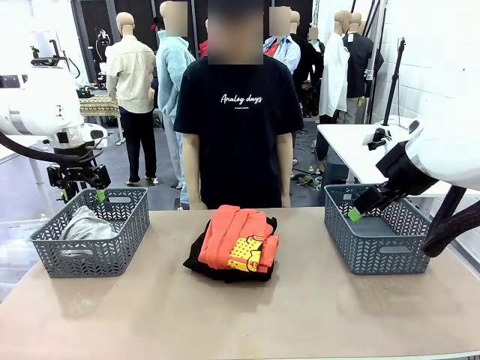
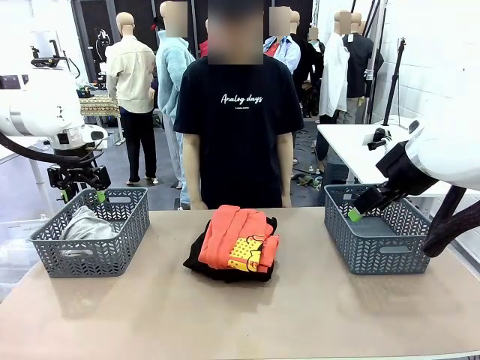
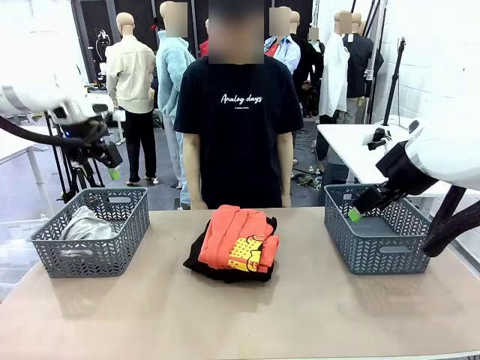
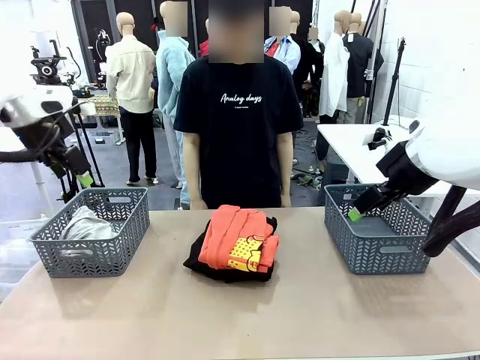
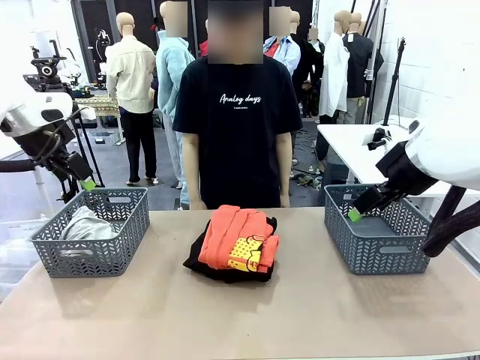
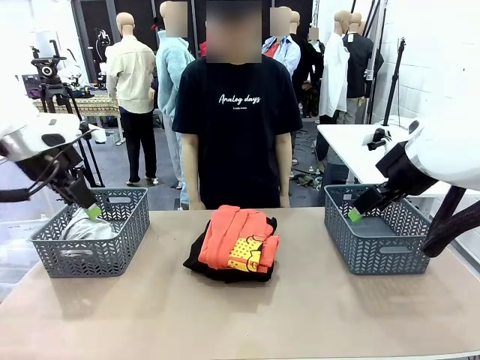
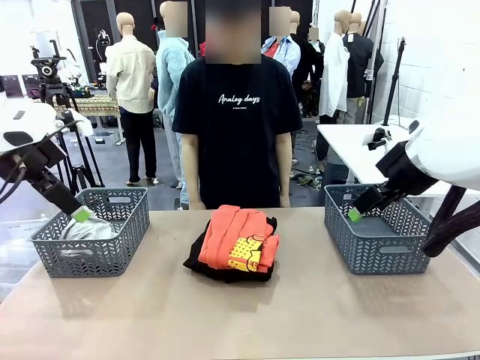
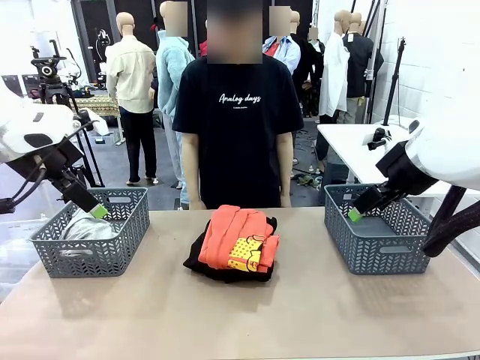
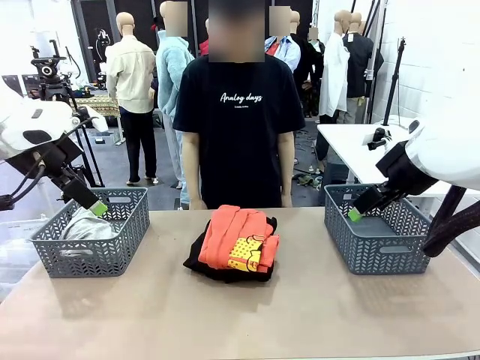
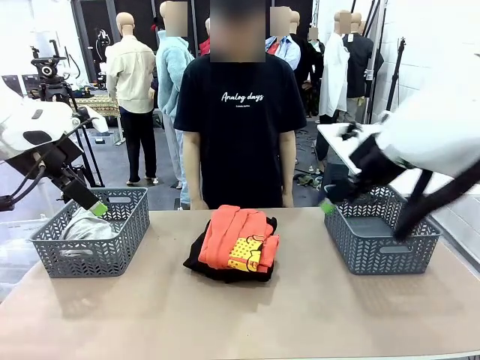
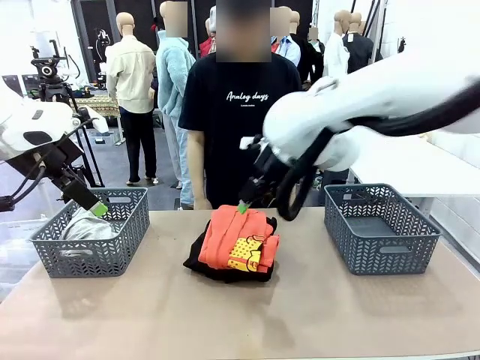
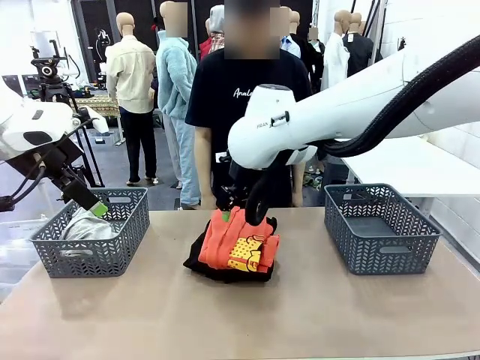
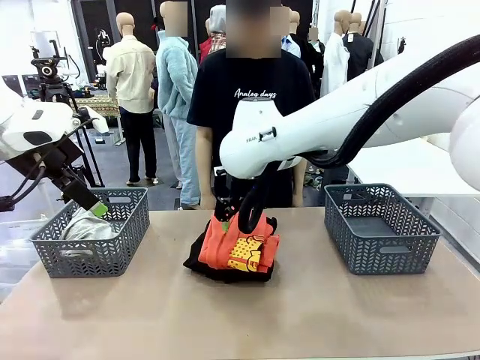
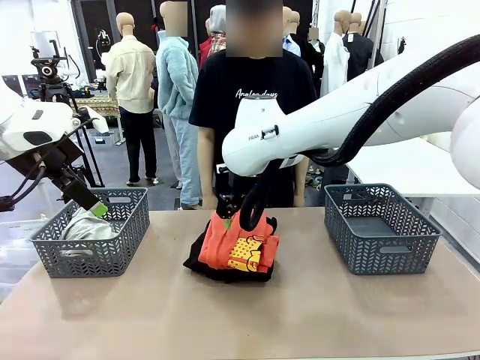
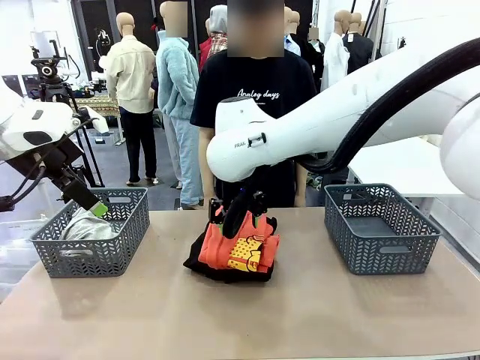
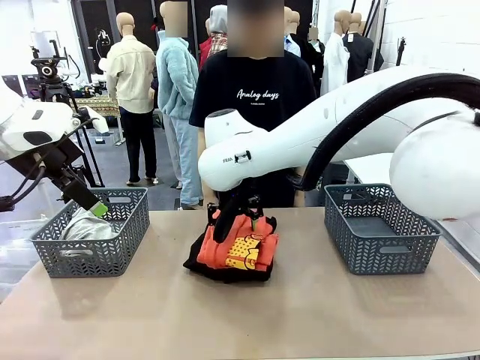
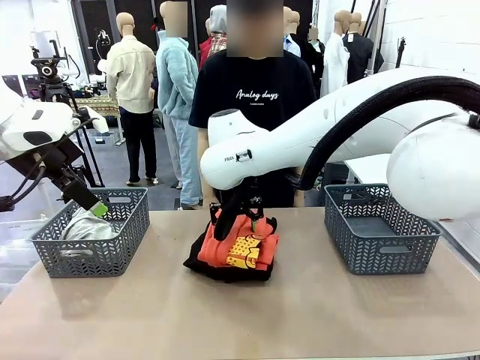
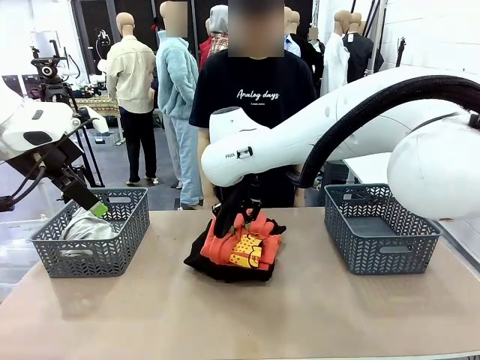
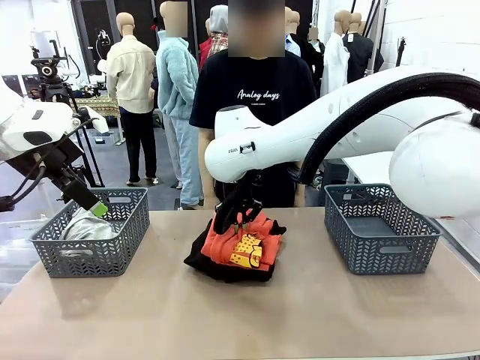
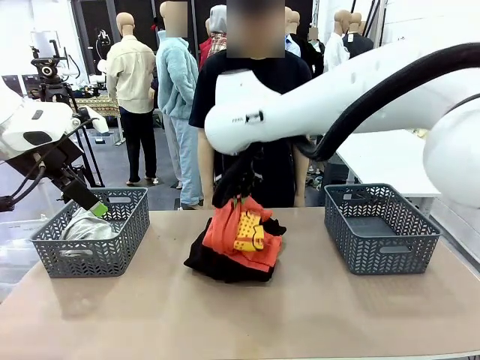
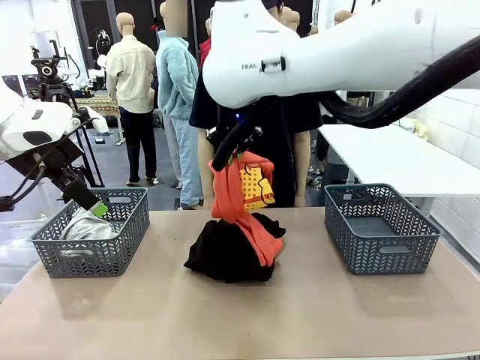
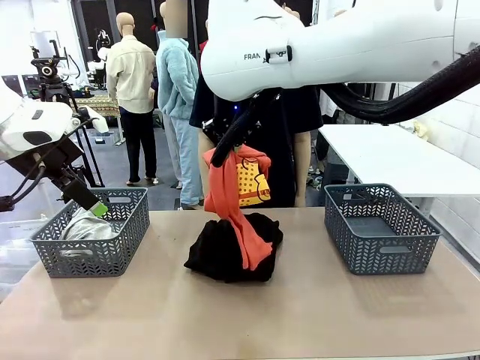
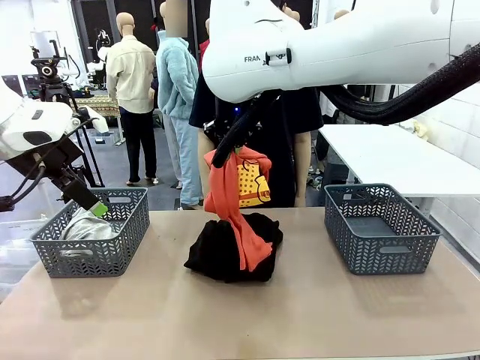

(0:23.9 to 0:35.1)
Task: Sort the tops and bottoms.
Robot: Lift clothes from the center of the table with your right hand.

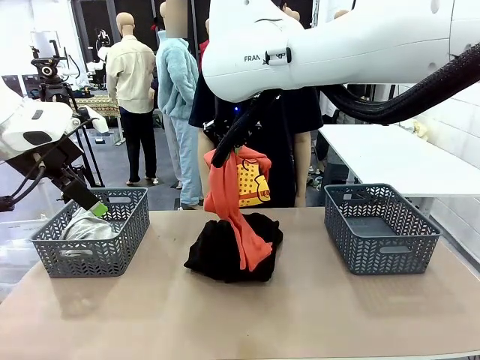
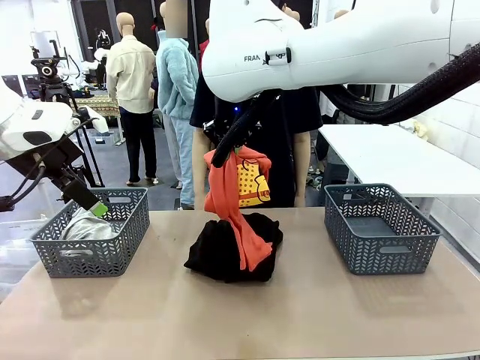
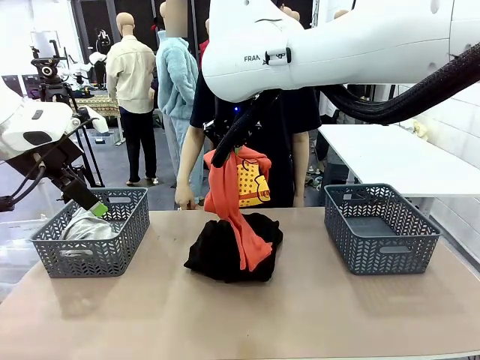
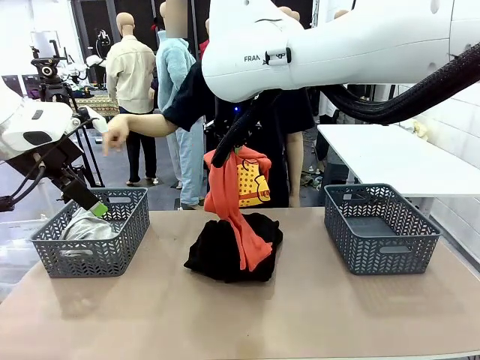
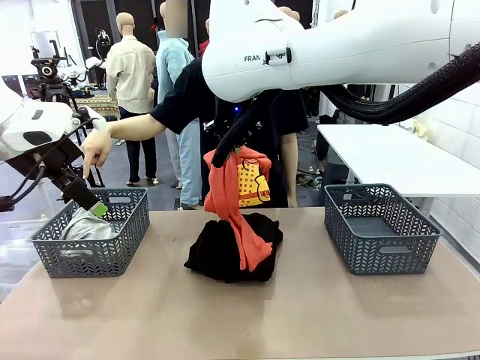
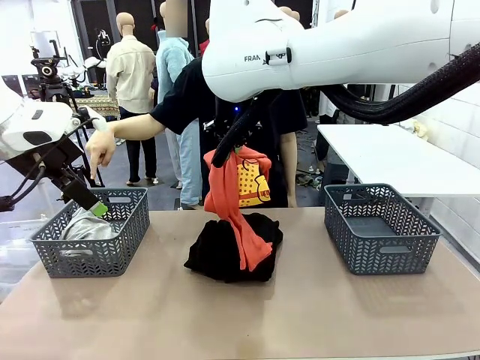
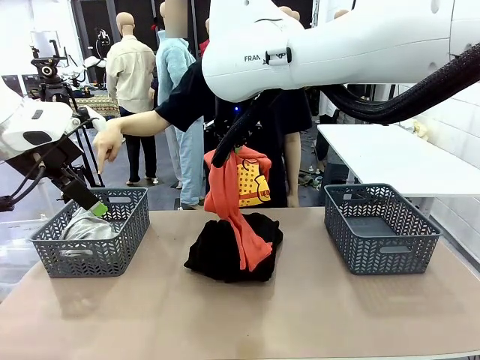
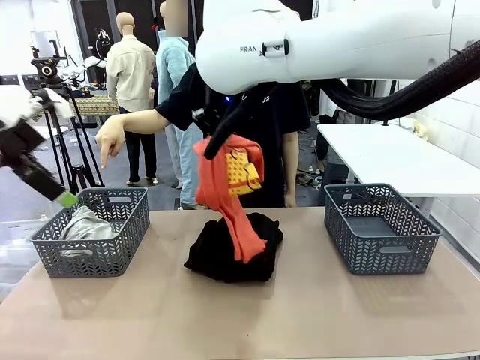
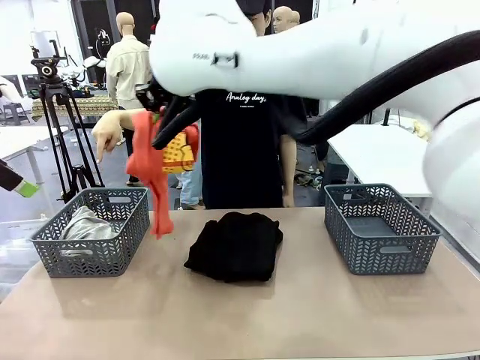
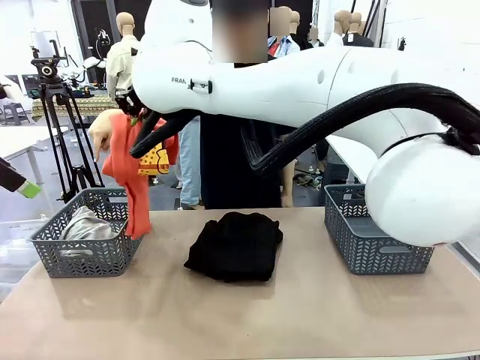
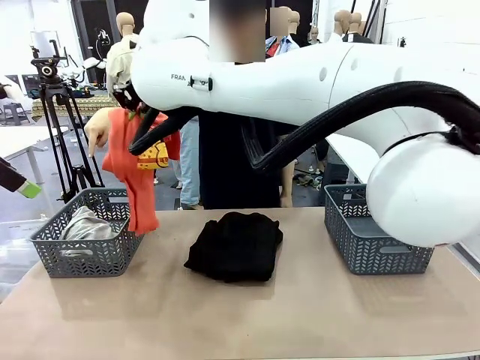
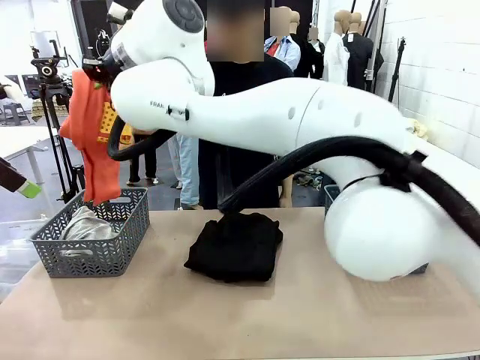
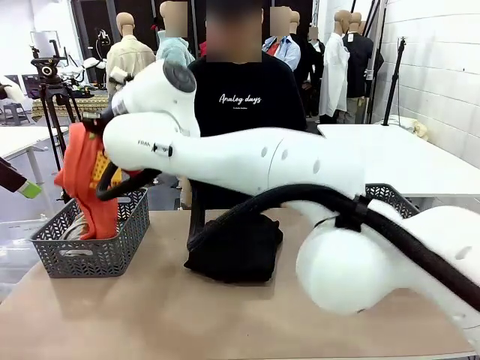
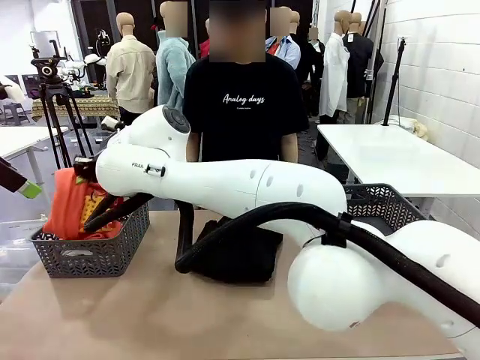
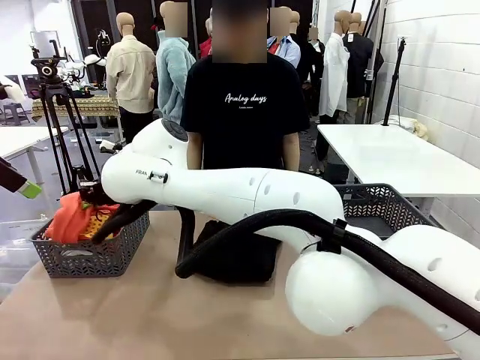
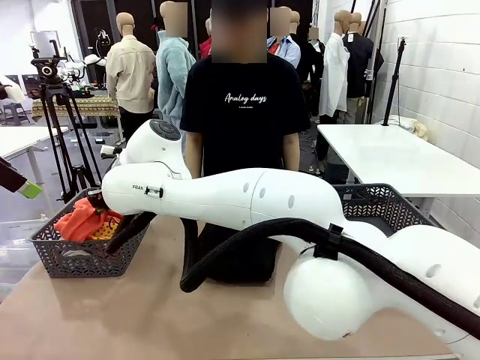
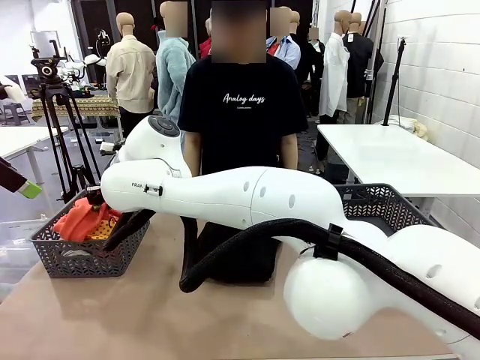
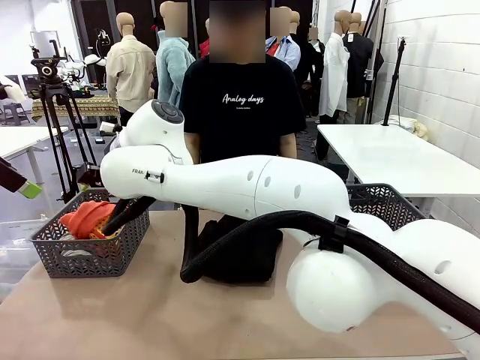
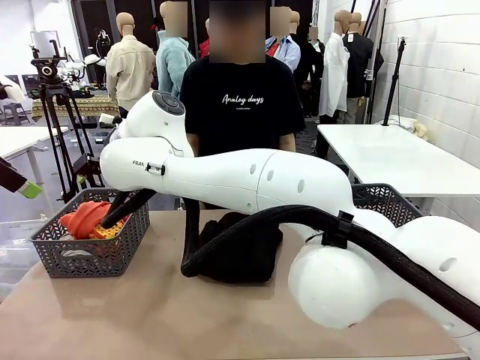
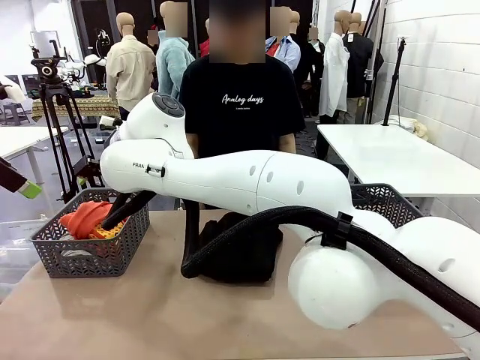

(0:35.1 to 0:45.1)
Robot: Sort the clothes according to human instructions.

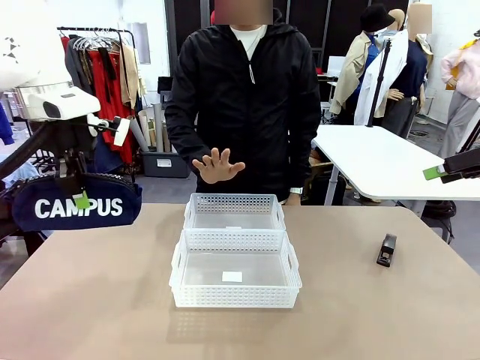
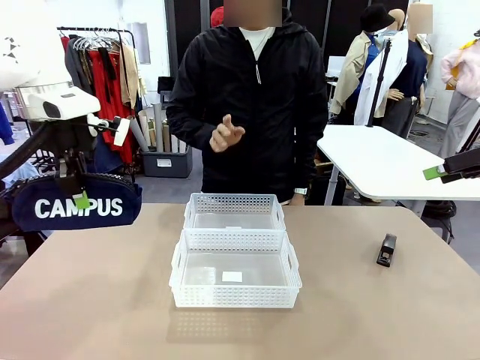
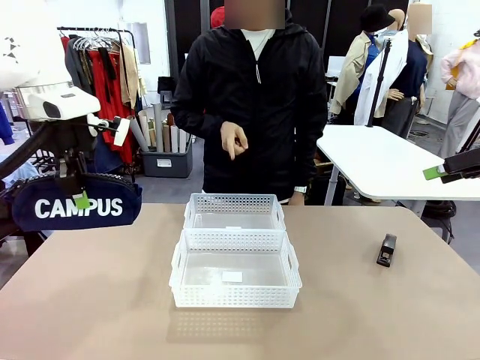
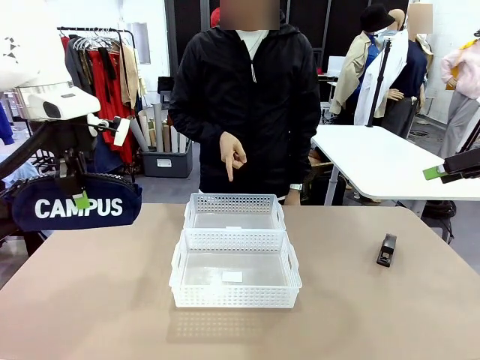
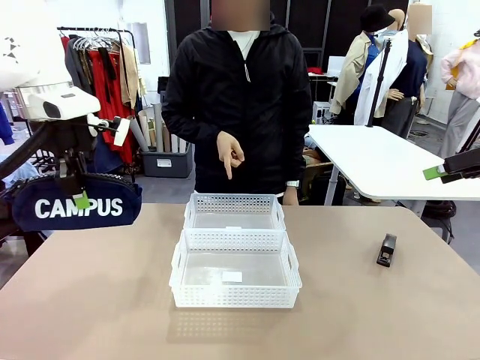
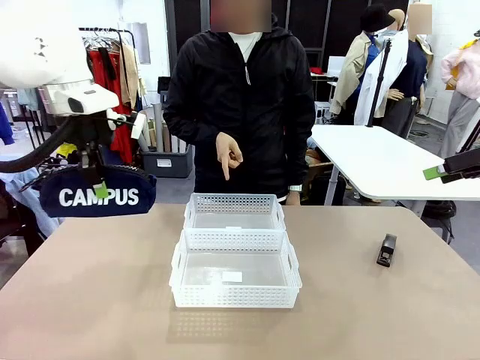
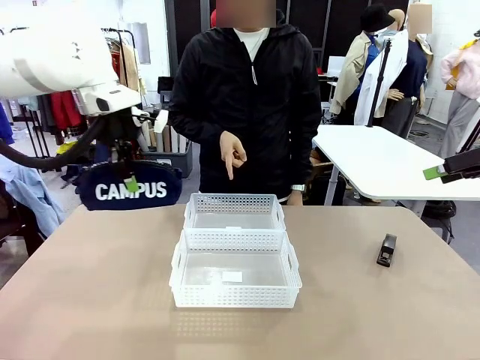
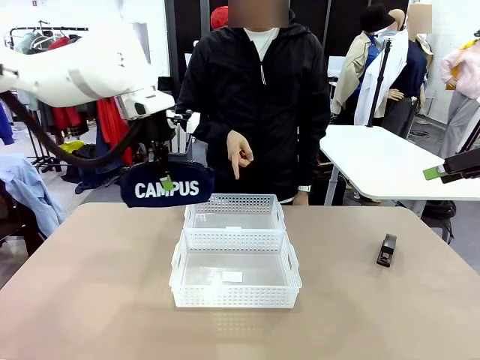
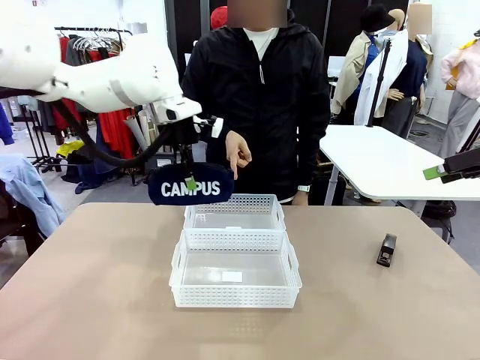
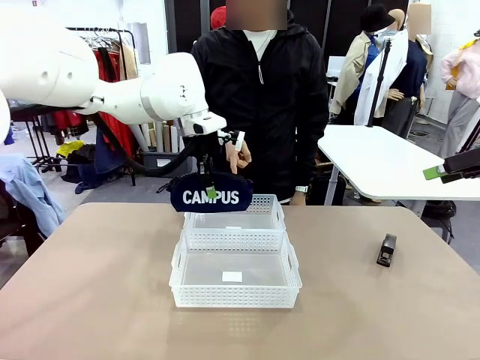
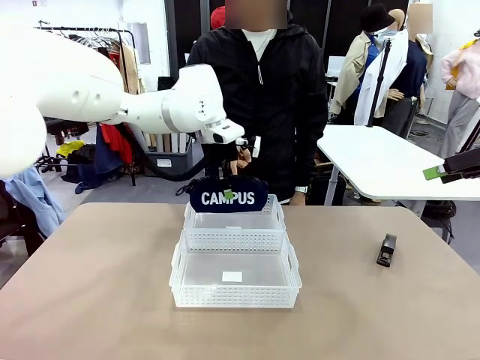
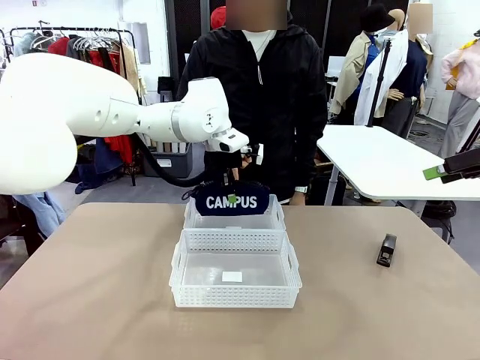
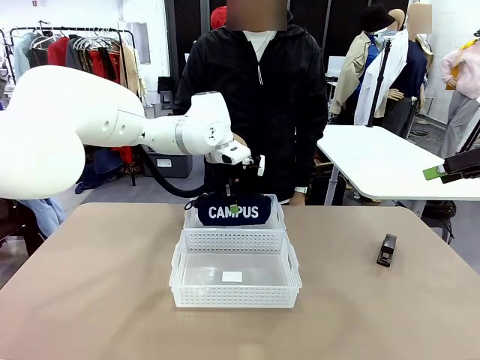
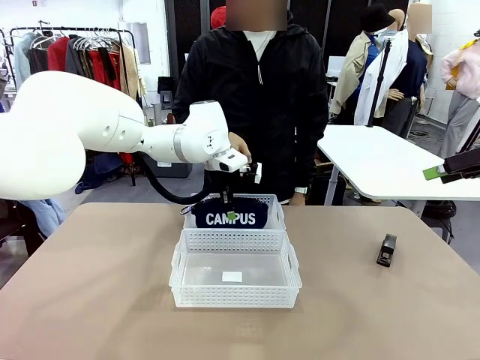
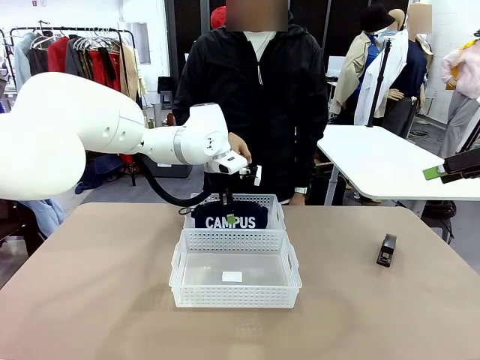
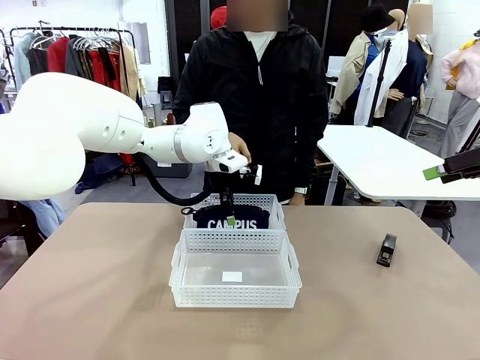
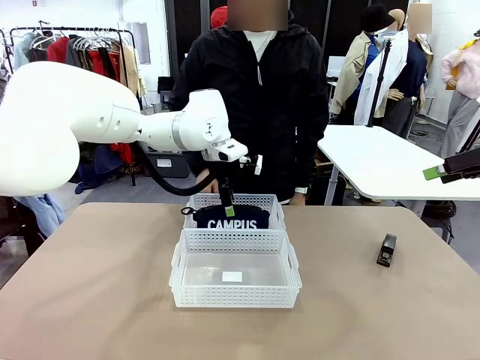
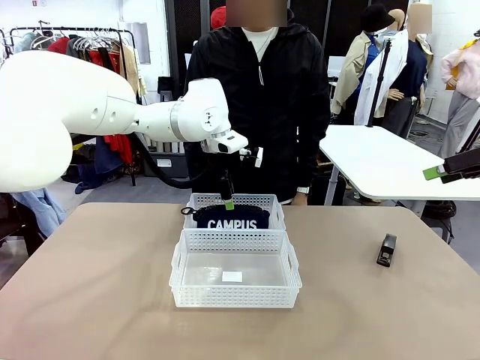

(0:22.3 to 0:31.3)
Task: Distribute items into two baskets.
Robot: Place the picked Pencil pouch into the Organizing basket as instructed by the person.
Person: Instructs the robot to place the pencil case into the opposite basket. Points to the stapler.
